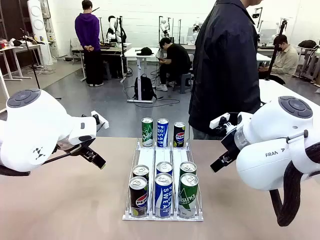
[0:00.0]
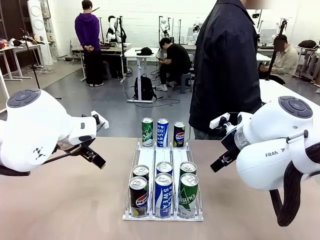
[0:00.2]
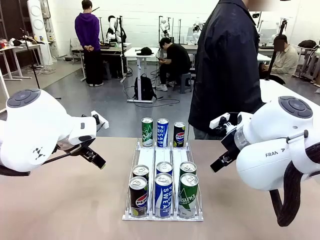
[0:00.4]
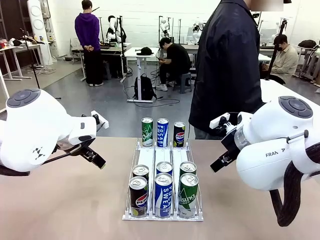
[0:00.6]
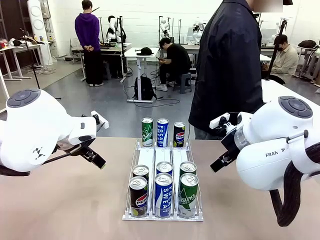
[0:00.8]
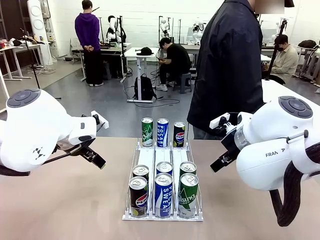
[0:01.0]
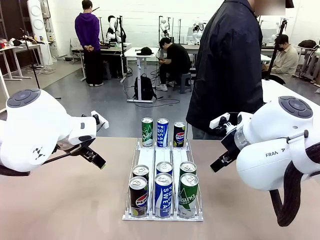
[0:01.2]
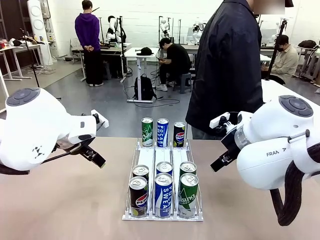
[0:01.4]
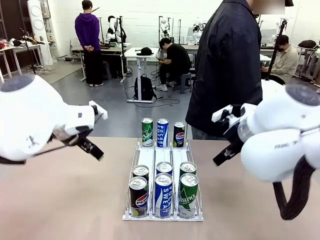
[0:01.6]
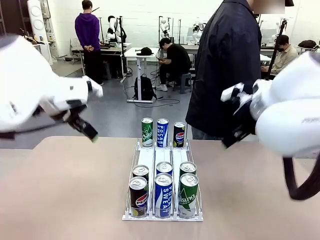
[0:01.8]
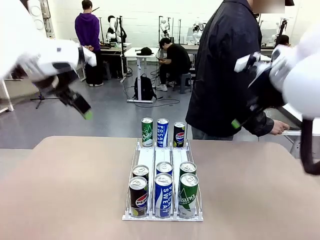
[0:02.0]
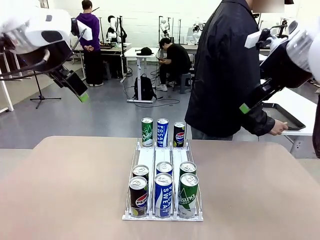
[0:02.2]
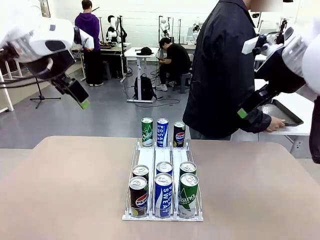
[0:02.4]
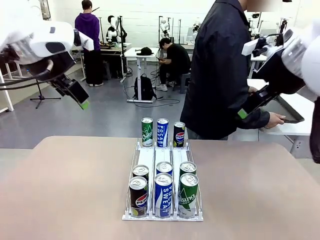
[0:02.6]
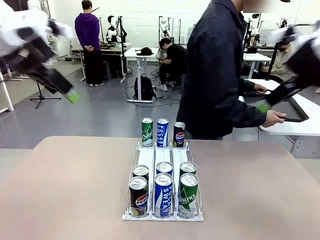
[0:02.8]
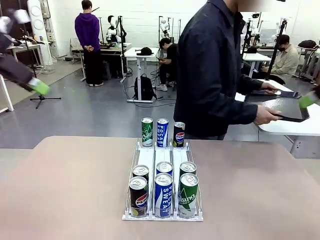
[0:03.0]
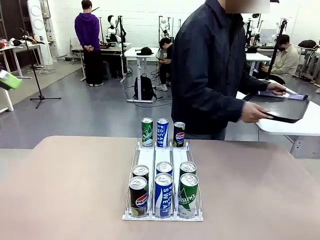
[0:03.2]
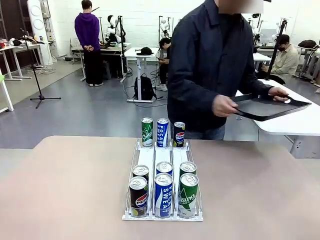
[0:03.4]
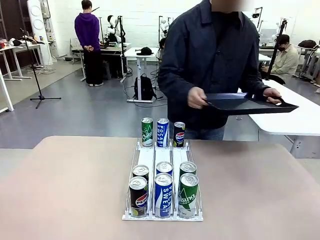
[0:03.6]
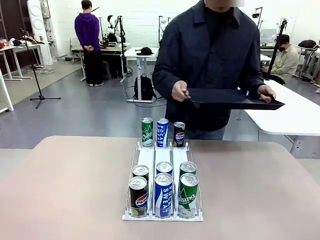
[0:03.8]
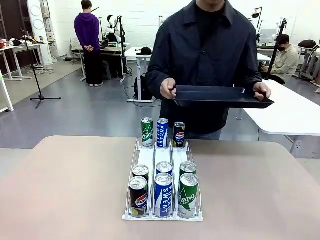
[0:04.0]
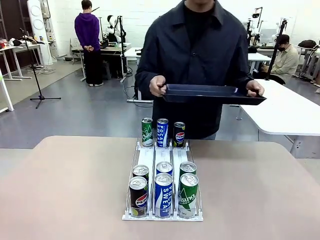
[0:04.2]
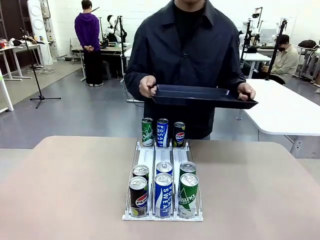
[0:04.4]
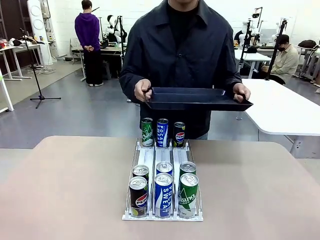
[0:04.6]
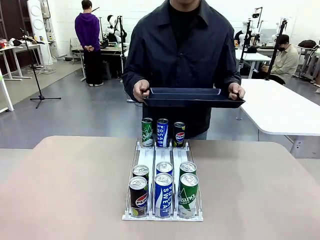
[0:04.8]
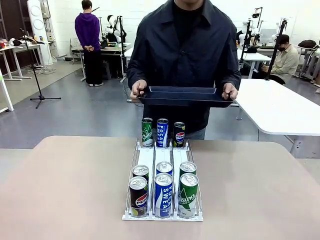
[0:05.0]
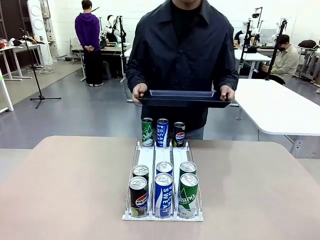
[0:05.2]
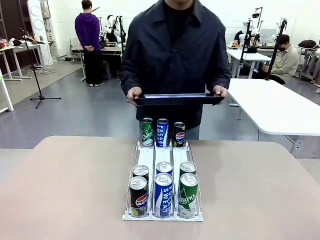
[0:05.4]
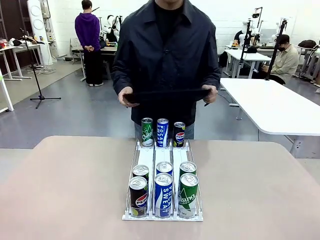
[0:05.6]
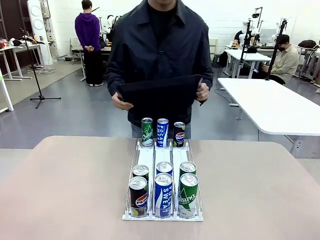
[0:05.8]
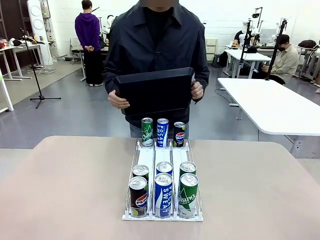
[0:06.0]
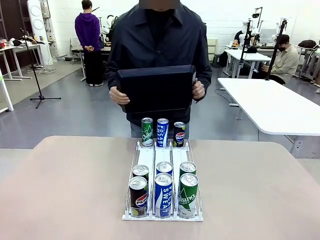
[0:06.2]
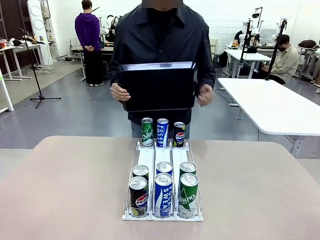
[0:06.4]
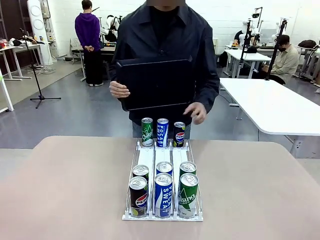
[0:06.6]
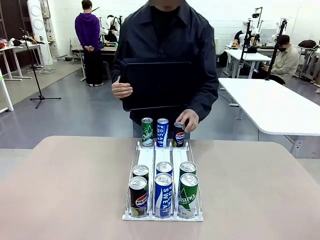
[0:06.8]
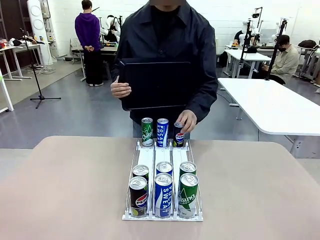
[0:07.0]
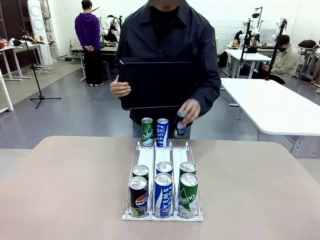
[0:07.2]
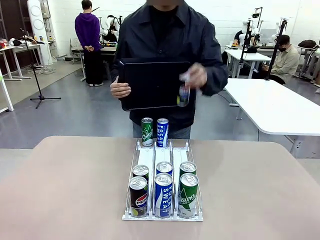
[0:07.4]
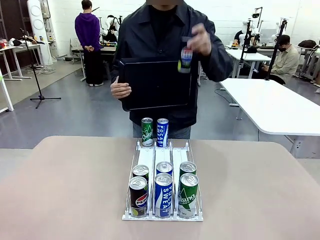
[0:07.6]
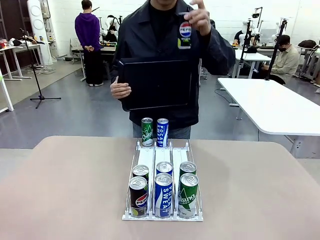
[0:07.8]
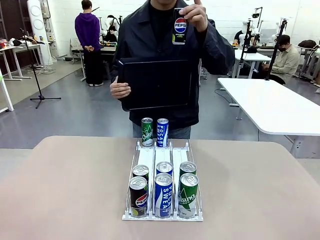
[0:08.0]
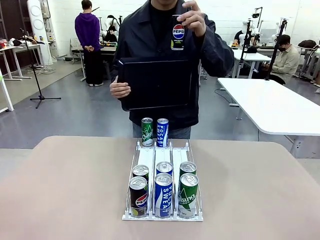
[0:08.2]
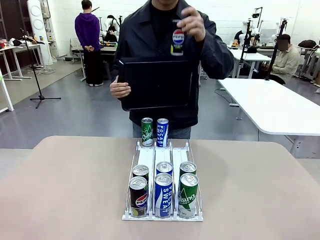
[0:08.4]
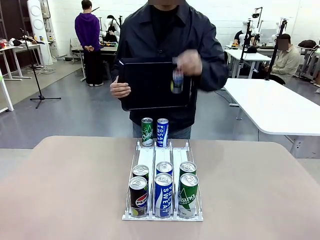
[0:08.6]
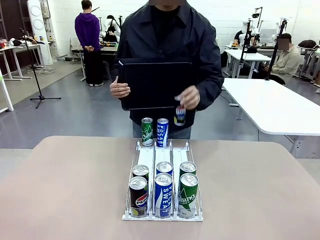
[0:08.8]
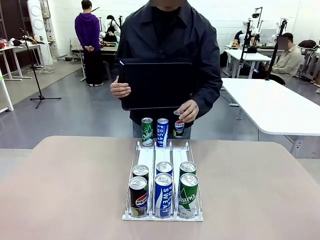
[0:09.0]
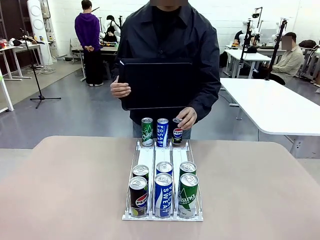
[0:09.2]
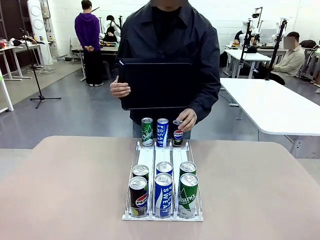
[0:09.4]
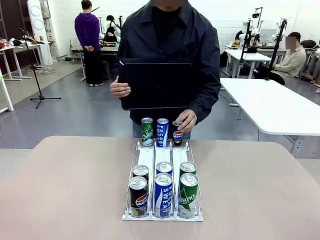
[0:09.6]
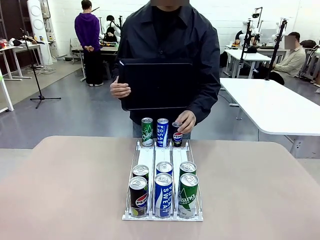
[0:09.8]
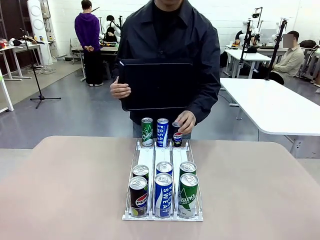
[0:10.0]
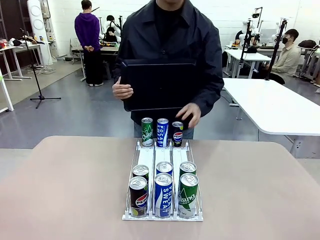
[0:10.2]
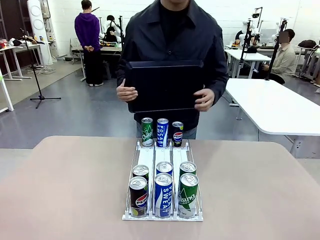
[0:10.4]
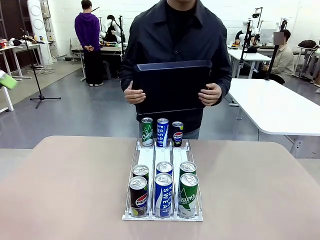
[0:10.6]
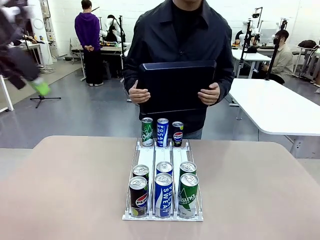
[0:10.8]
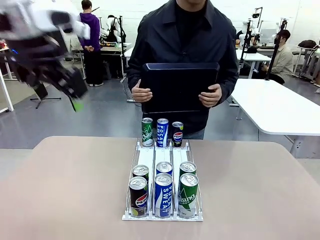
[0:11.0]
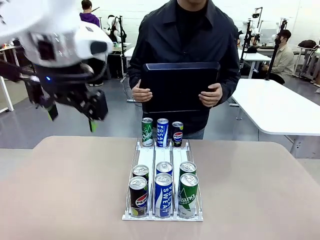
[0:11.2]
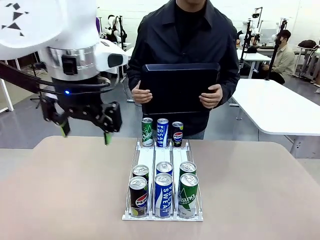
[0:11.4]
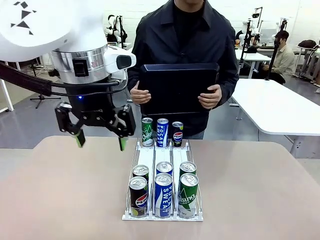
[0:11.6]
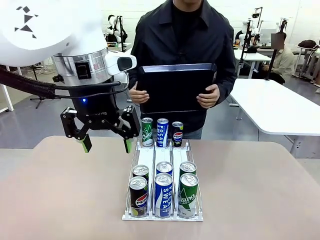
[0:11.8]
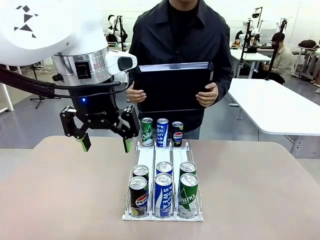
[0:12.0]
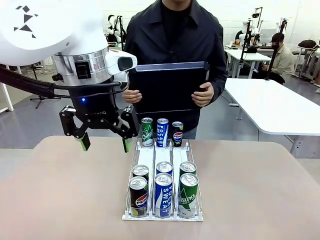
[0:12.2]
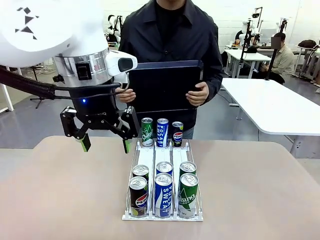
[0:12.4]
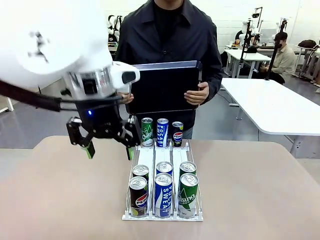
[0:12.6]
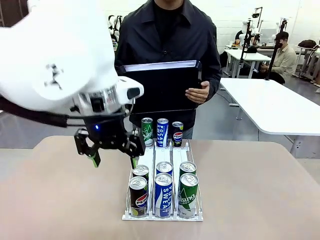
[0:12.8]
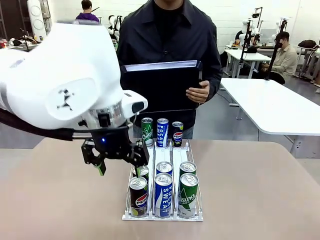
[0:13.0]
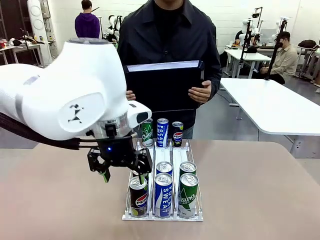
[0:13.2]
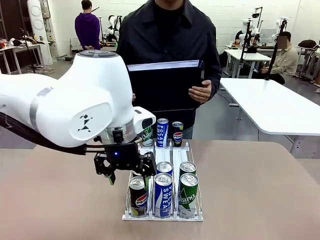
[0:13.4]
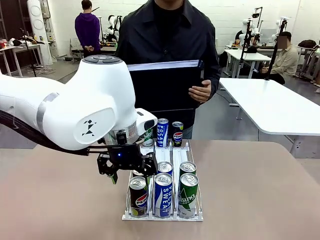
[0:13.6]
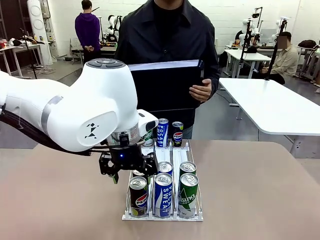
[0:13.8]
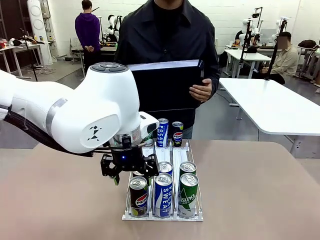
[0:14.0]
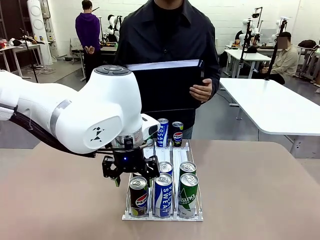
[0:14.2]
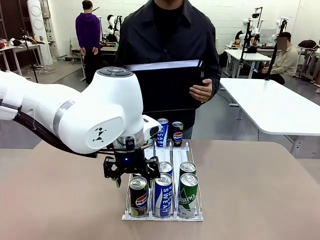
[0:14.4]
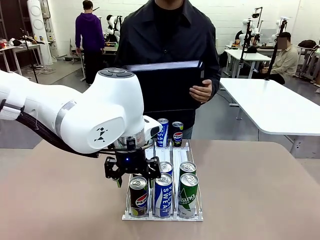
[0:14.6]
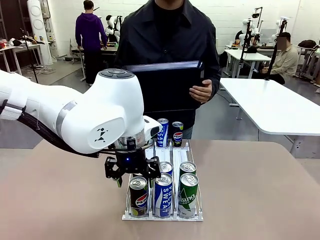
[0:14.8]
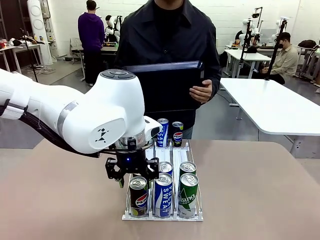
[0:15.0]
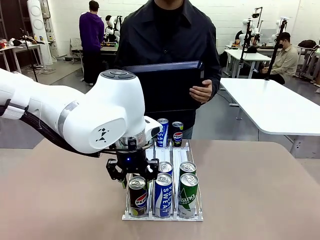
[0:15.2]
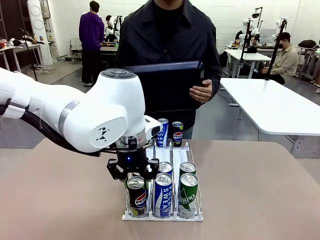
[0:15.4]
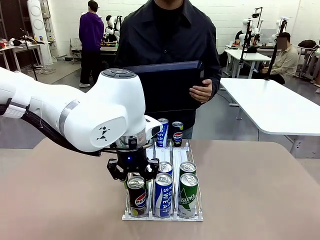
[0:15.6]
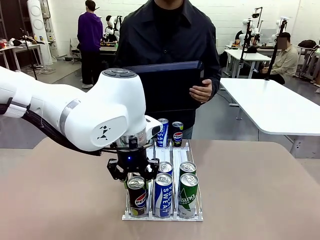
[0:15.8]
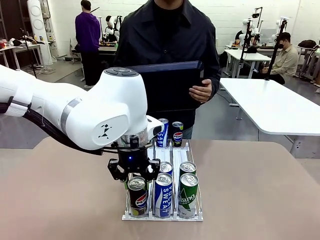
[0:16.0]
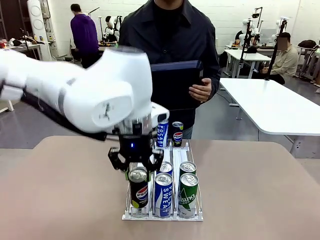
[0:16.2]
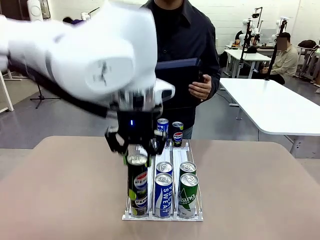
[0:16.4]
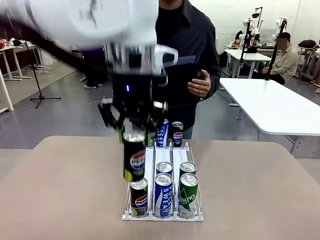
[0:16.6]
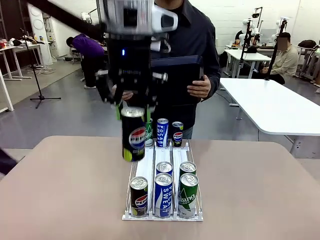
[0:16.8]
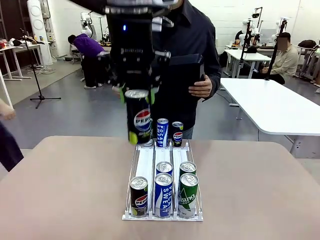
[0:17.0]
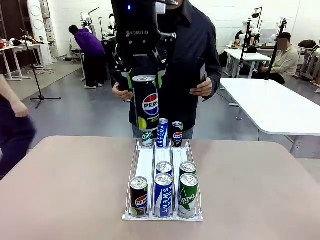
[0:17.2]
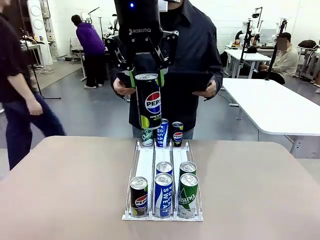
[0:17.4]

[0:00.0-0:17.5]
Task: Retrieve and hand over the desired beverage to the person.
Robot: Pick up a can of the same type that the person held from the Automatic Can Dispenser.
Person: Hold the tray and position yourself in front of the robot table. Pick up one can from the bottom area of the table and puts it back in its original place. Push the tray toward the robot.

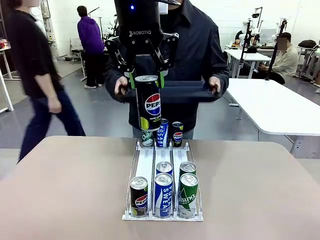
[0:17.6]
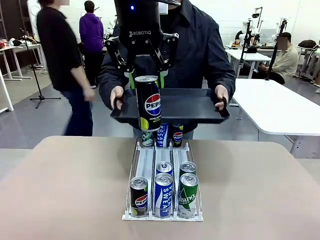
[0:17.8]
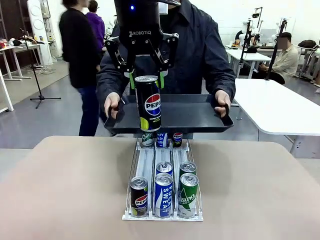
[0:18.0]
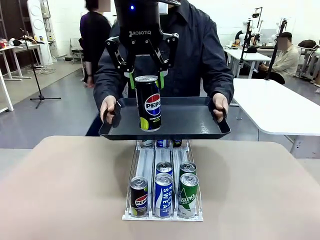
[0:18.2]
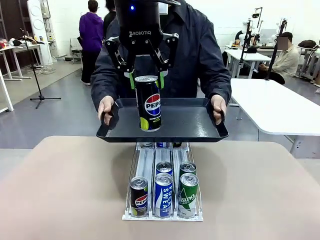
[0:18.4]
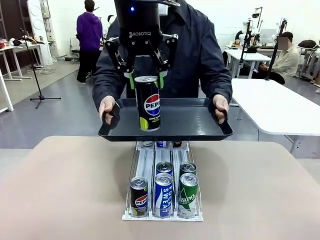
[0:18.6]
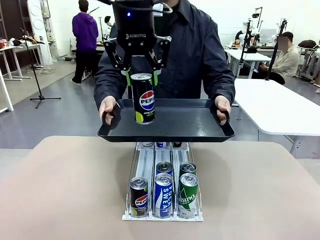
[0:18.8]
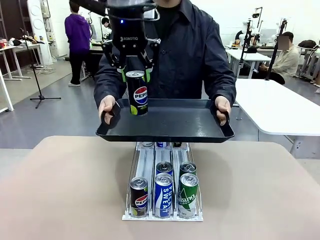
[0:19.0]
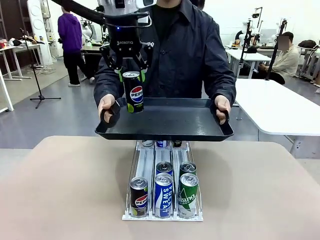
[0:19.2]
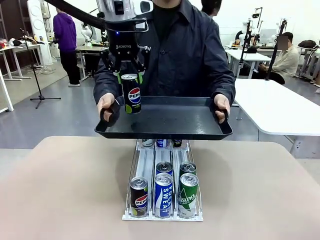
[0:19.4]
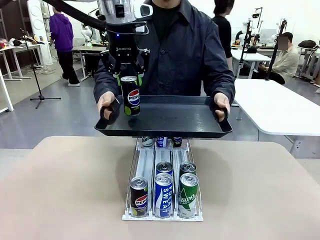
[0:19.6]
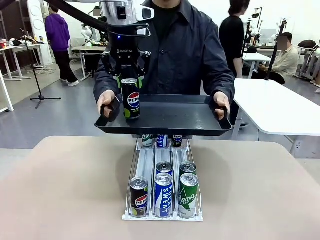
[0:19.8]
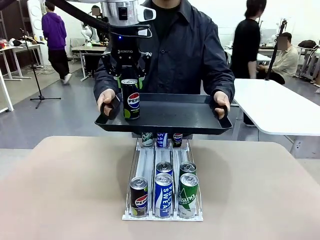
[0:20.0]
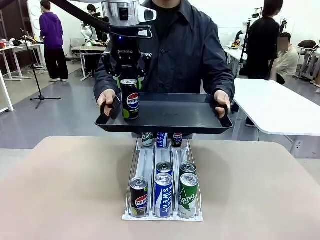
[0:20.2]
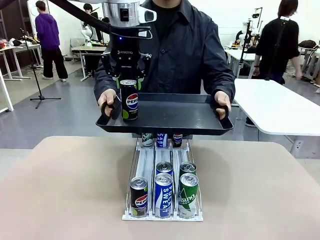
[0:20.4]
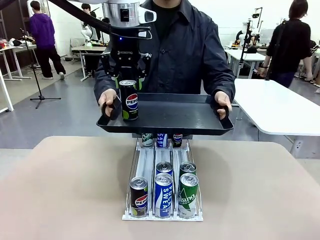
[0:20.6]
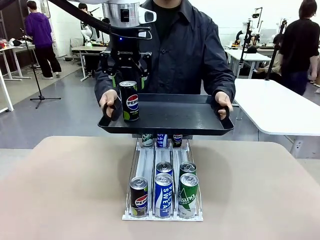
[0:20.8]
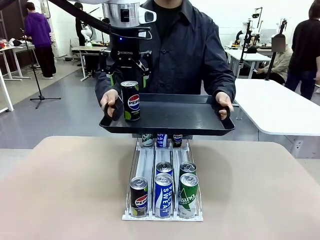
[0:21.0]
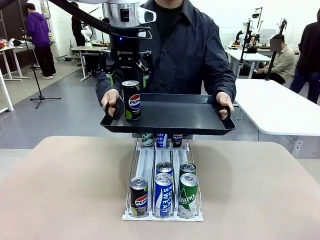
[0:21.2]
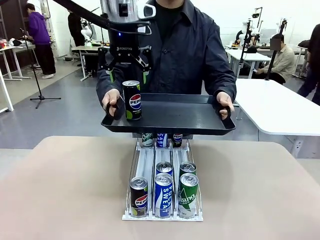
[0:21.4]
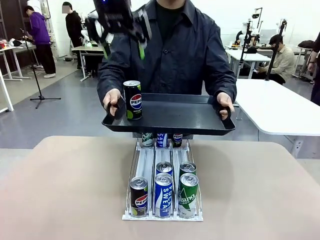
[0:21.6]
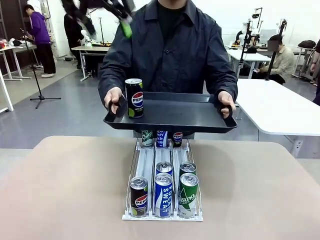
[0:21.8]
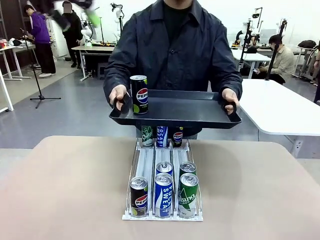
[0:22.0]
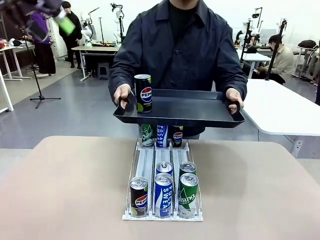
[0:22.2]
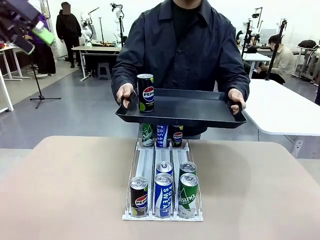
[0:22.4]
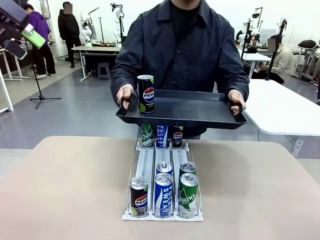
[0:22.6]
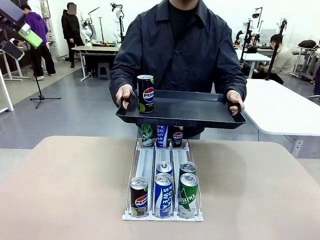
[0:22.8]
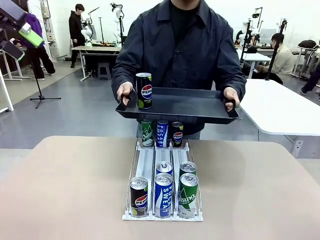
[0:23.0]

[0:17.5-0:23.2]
Robot: Place the picked can on the Handle tray extended by the person.
